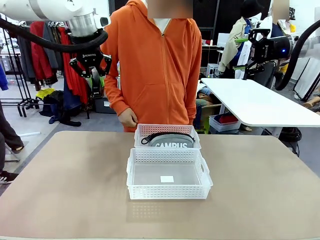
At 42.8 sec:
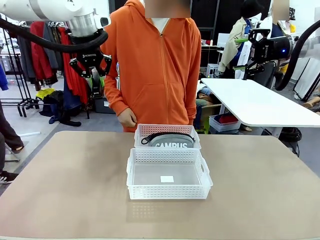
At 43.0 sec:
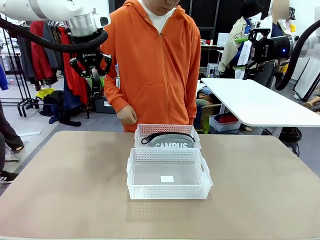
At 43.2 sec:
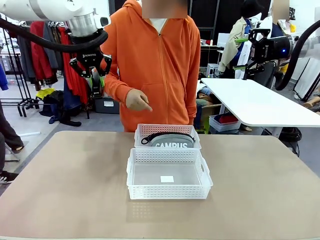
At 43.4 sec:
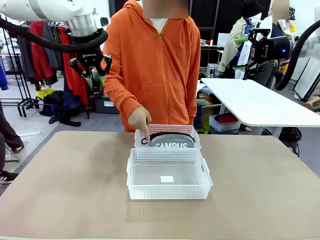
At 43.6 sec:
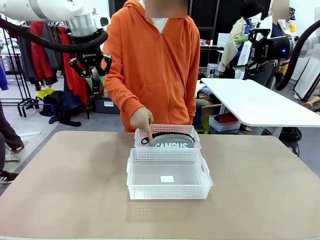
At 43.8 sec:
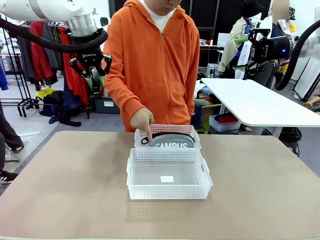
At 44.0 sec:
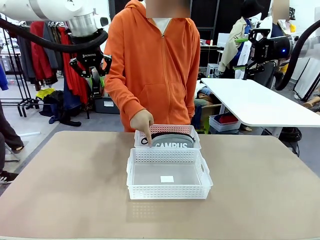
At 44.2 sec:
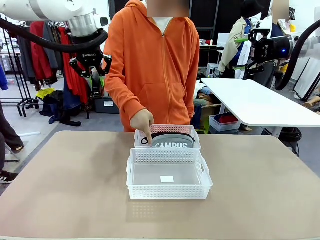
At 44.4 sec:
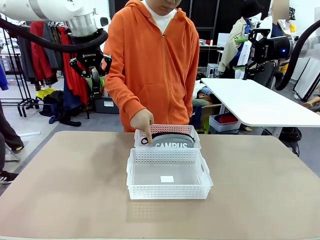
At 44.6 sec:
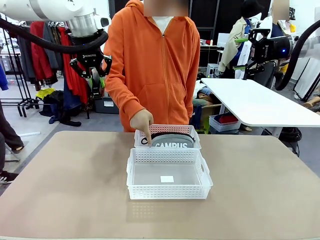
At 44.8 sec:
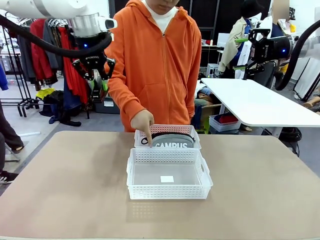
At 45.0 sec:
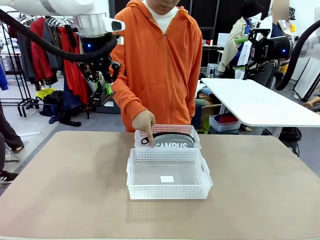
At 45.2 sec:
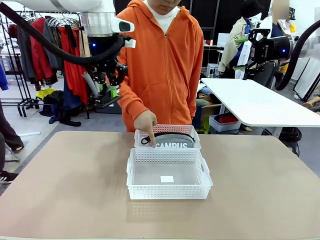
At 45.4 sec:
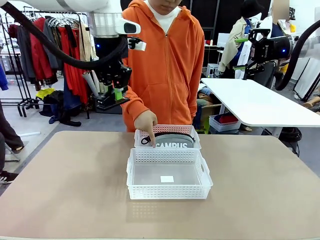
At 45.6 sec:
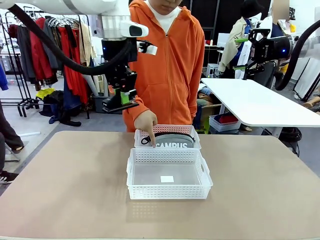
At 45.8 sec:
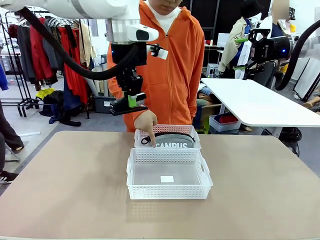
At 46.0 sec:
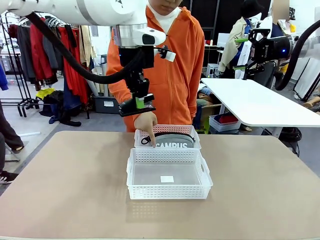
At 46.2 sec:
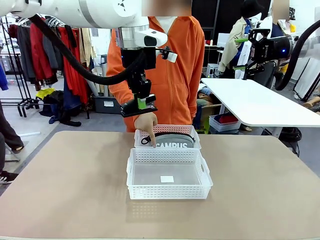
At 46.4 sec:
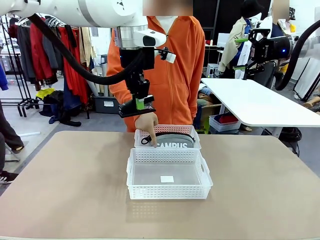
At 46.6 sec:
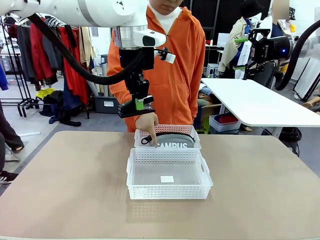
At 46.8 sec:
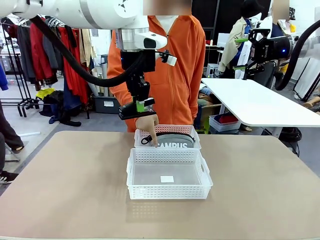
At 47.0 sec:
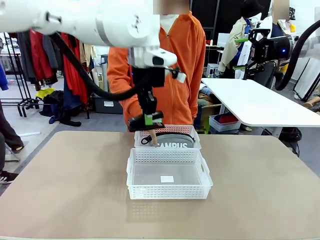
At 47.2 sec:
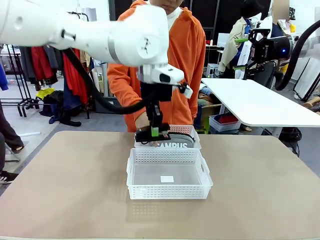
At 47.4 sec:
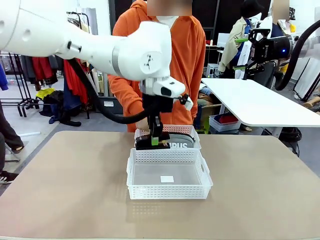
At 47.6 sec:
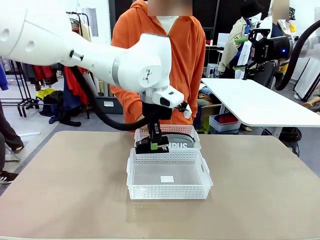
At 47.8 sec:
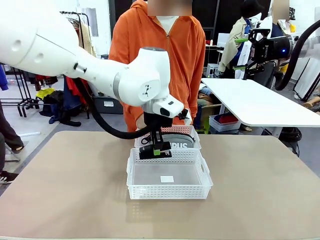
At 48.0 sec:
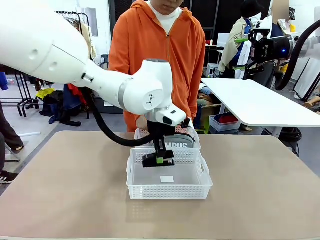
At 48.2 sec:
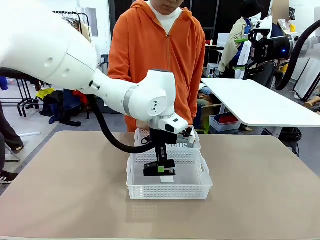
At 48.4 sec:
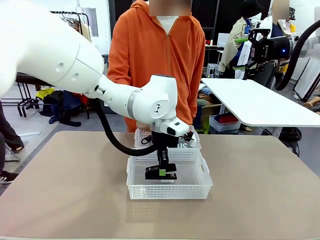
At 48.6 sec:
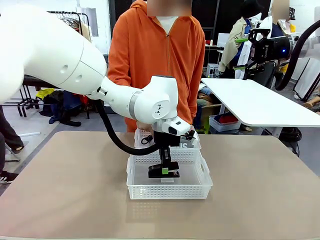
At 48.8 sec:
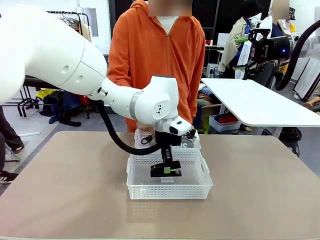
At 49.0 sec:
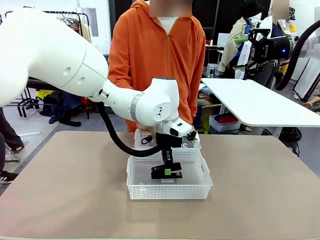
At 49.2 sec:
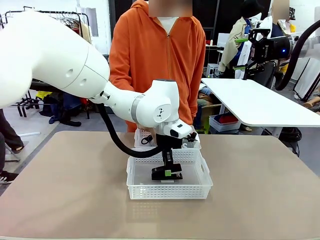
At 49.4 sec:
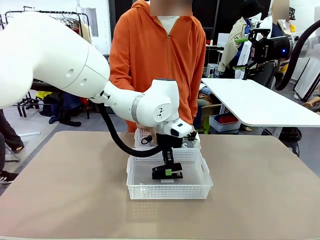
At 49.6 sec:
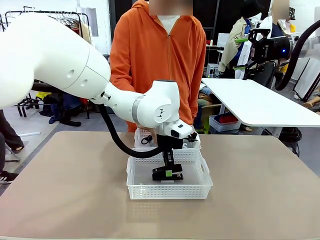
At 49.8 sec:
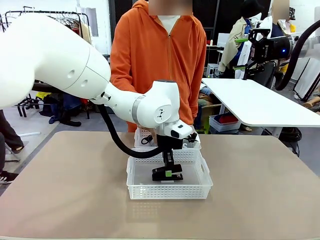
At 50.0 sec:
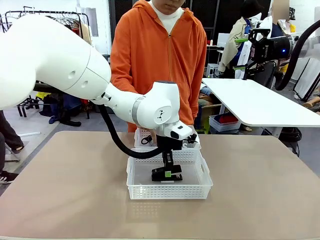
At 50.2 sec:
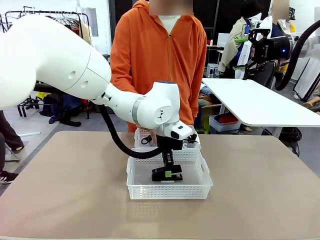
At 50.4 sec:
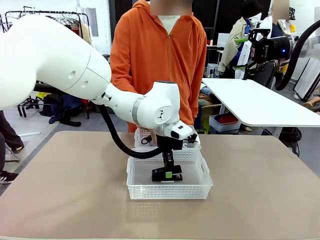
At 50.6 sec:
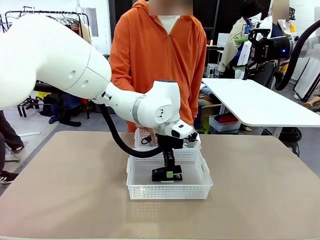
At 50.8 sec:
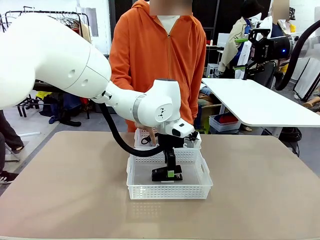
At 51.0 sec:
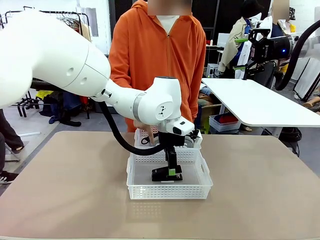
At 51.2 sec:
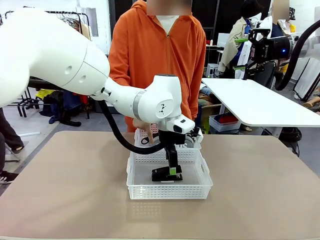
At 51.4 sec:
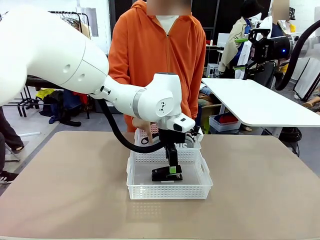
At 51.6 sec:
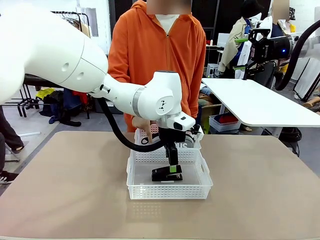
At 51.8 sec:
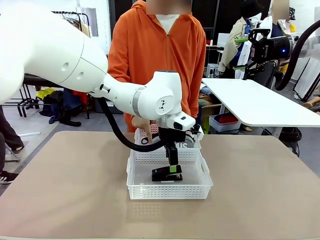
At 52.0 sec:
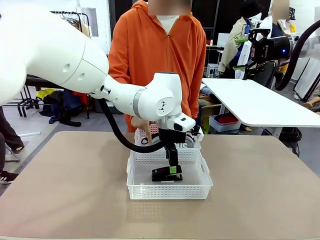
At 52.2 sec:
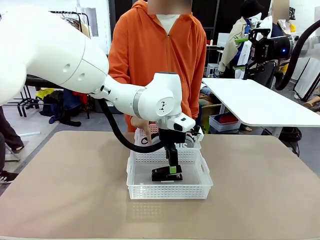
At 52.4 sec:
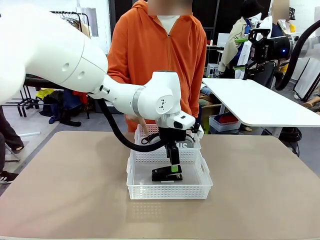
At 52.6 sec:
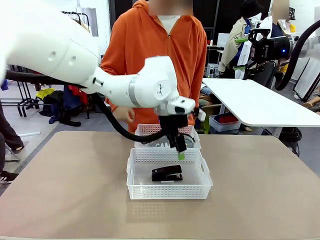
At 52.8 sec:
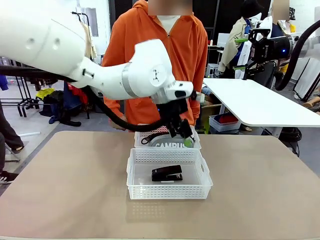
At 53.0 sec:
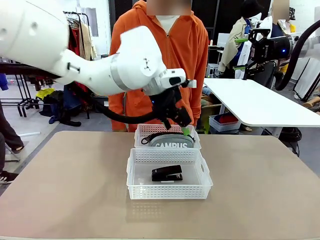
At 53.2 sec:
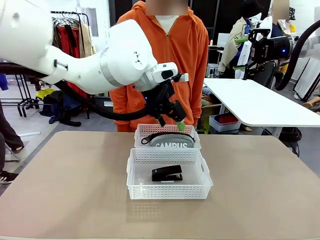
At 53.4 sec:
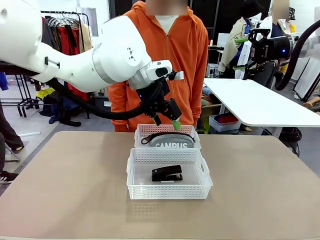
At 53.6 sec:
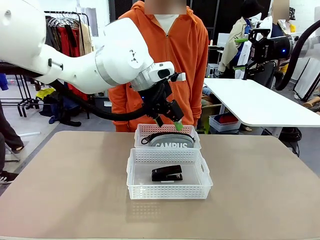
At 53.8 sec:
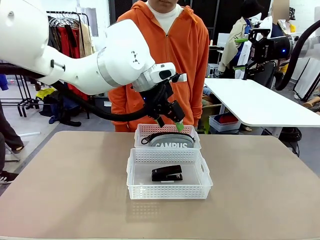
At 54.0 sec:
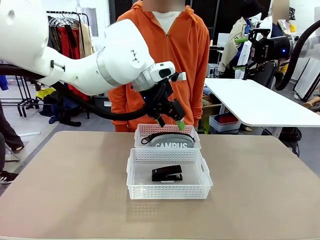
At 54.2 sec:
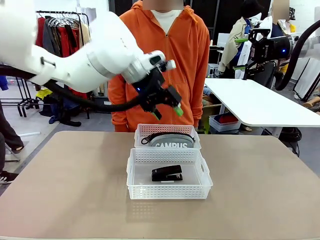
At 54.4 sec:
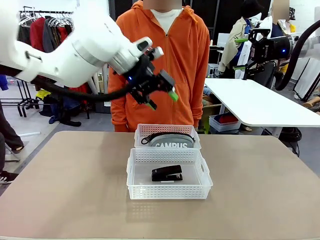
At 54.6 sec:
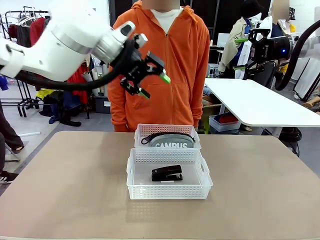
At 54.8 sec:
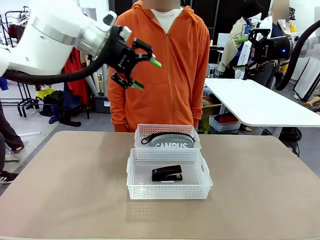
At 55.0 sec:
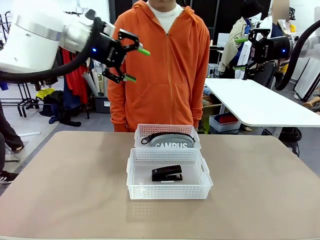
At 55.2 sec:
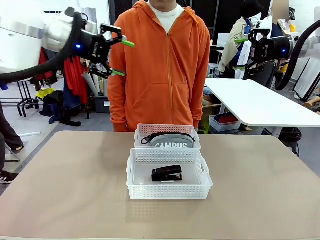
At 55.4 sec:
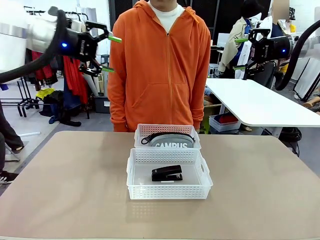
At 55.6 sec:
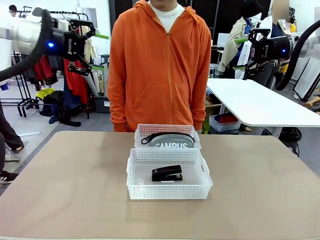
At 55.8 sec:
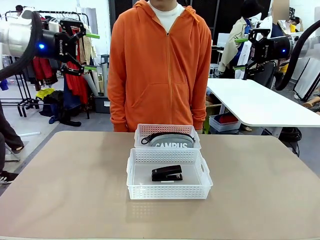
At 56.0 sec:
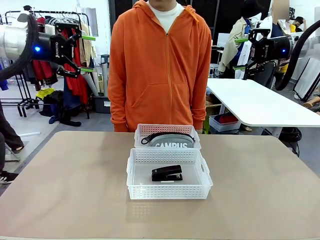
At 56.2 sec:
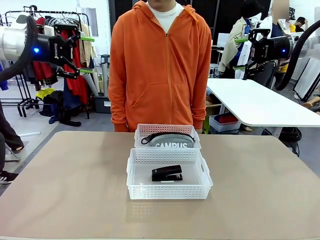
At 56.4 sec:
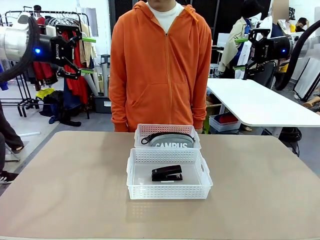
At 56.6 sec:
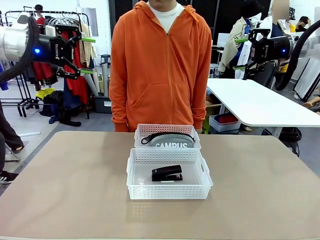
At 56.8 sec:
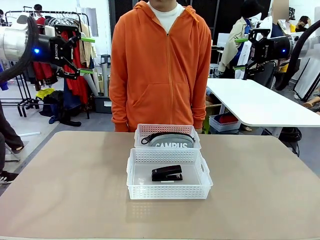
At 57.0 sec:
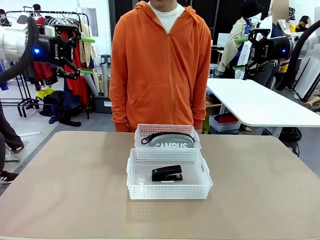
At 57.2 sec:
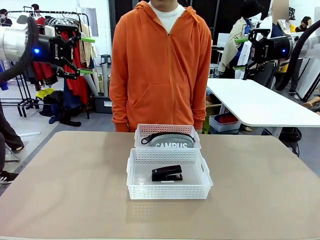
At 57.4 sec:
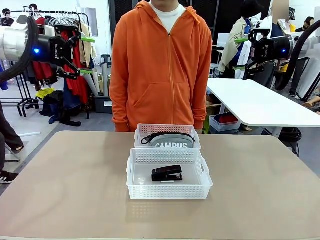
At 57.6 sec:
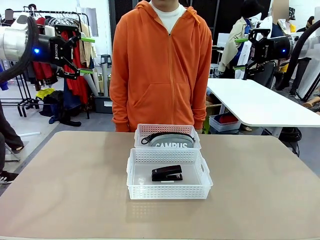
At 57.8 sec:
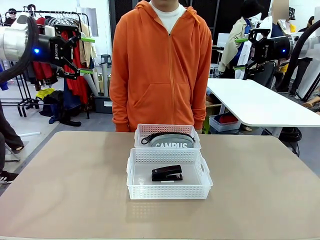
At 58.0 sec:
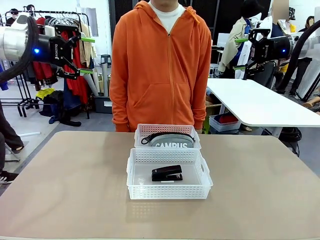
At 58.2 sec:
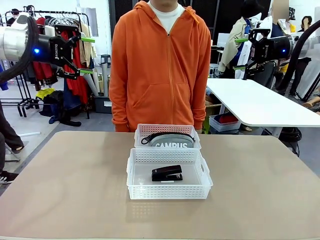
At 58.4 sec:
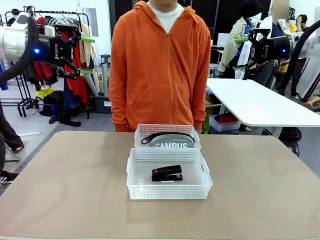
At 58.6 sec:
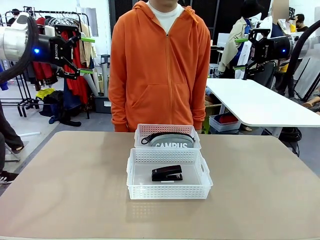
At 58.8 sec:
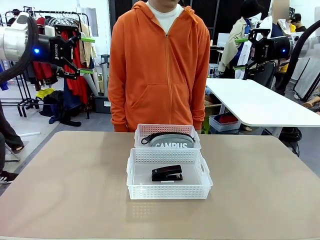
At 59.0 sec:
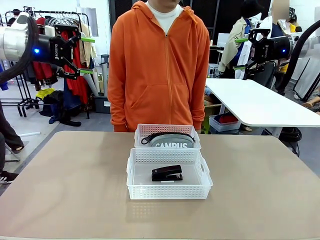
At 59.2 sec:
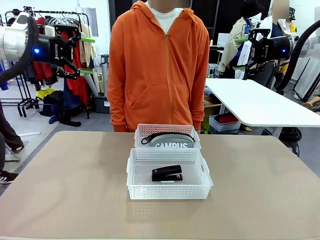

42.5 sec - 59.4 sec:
Task: Distribute items into two baskets.
Robot: Place the picked Stapler into the Organizing basket as instructed by the person.
Person: Points to the basket that does not contain the pencil case and instructs the robot to move the stapler there.

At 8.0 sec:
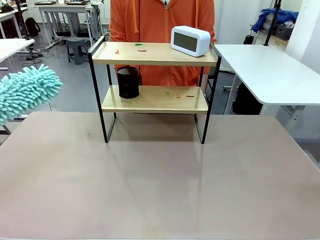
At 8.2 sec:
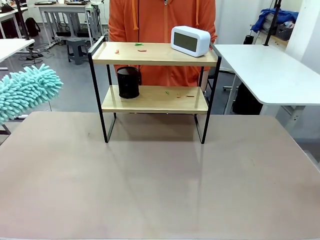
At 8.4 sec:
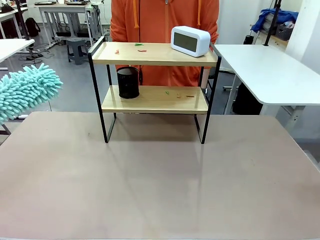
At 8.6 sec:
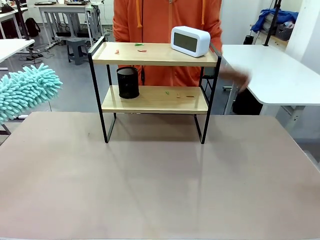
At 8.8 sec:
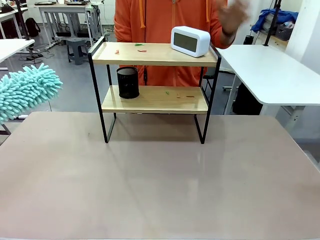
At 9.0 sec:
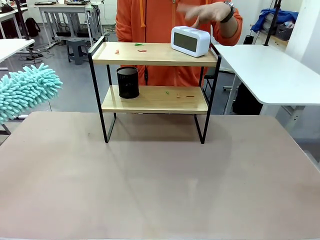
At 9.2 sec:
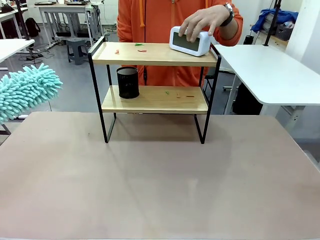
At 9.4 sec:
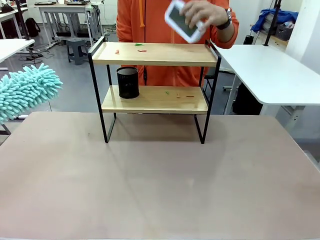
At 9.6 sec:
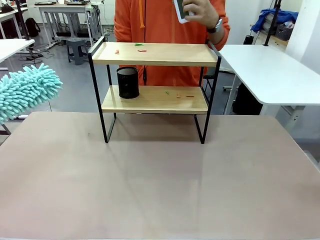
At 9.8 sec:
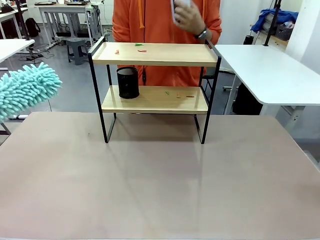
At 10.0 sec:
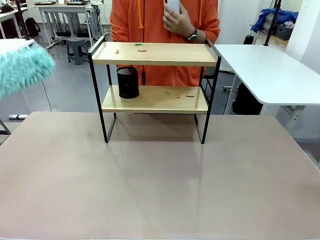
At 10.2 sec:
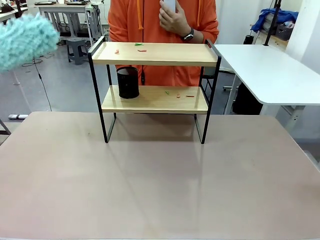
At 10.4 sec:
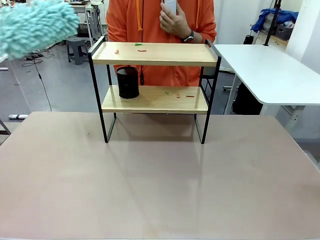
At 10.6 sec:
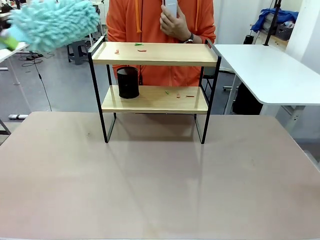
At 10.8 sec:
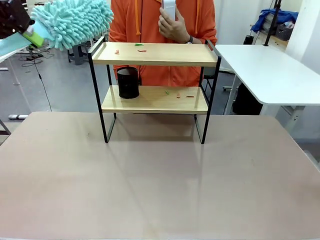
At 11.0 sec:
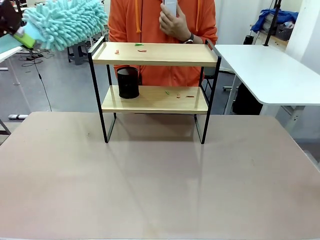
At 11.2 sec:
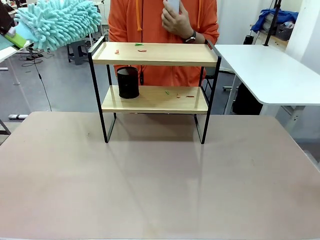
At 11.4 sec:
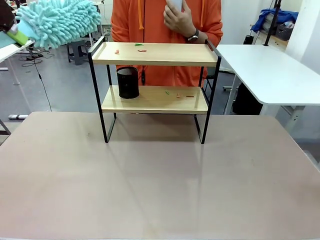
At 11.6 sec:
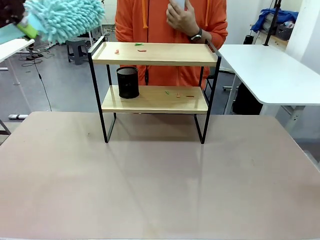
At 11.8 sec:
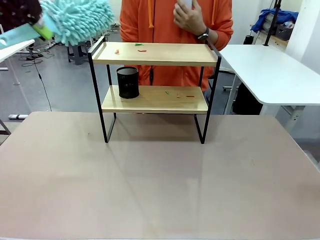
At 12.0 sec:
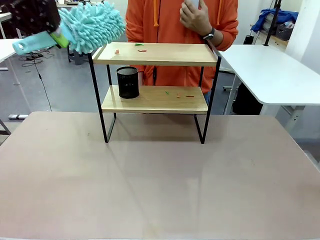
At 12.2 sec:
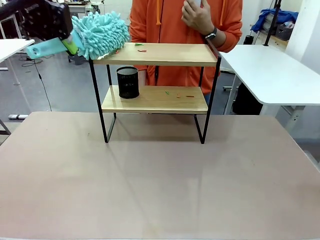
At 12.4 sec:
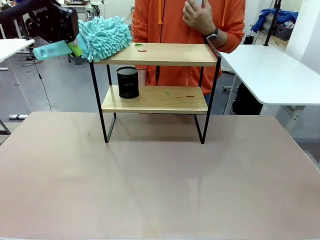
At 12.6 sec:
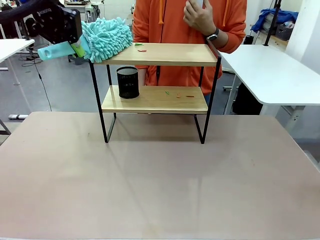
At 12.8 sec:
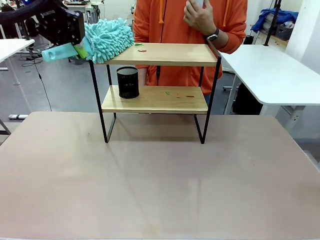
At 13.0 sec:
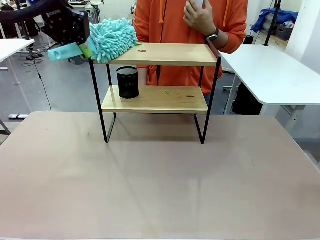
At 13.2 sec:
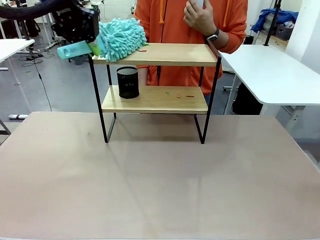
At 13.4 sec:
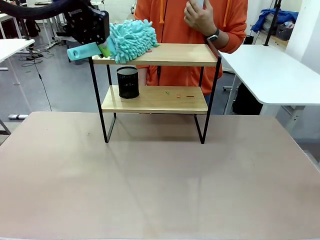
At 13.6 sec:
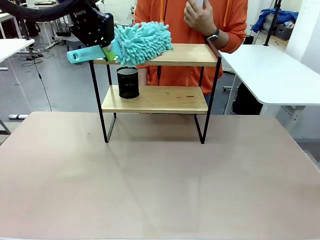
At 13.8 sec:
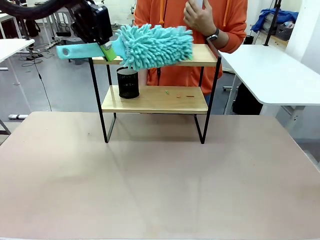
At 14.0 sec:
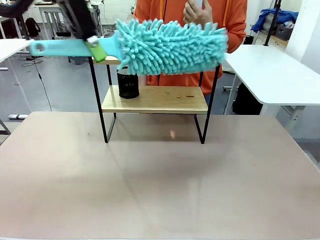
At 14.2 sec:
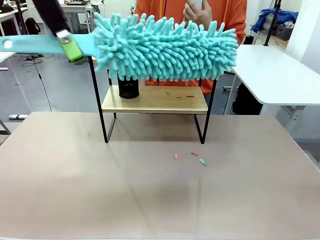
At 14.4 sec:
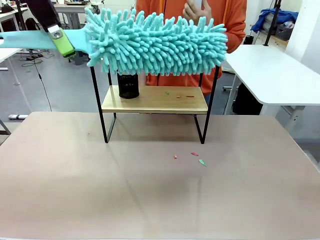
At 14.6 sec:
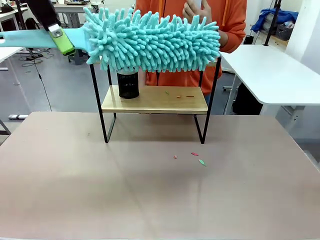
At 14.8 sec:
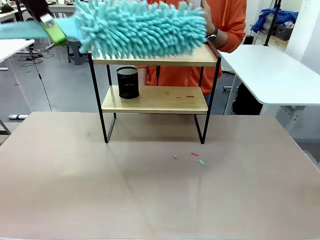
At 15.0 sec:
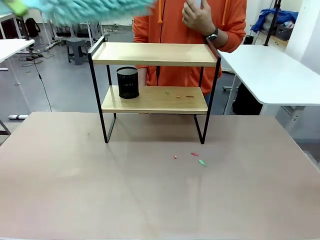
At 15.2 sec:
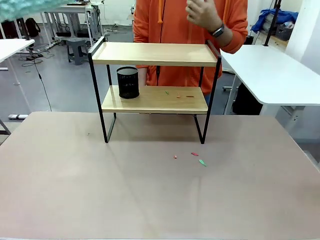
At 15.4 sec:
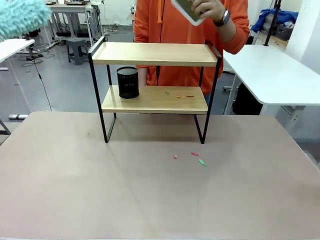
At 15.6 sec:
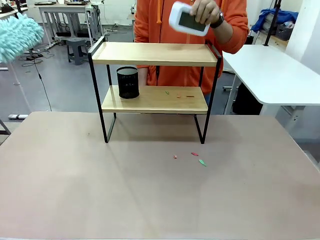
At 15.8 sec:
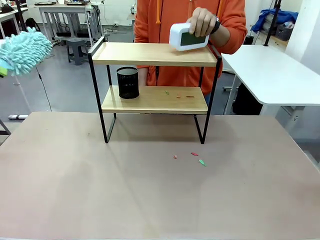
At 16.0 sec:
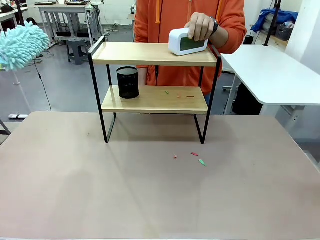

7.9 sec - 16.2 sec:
Task: Clean the shelf.
Robot: Clean the specific tier of the Shelf with the Duster once objects are removed.
Person: Lift the objects on a randomly selected tier of the Shelf. Once the robot finishes cleaning, lift the objects on the remaining tiers of the Shelf.
